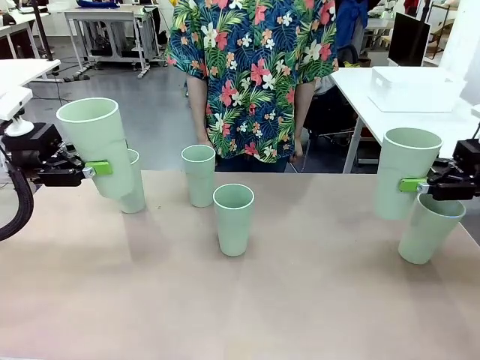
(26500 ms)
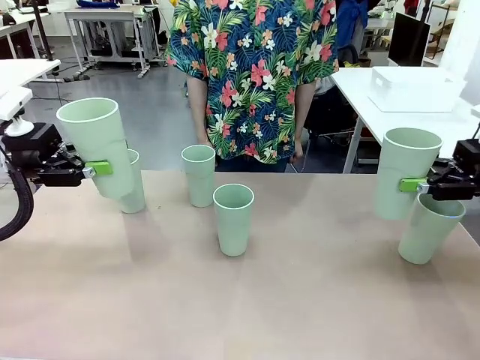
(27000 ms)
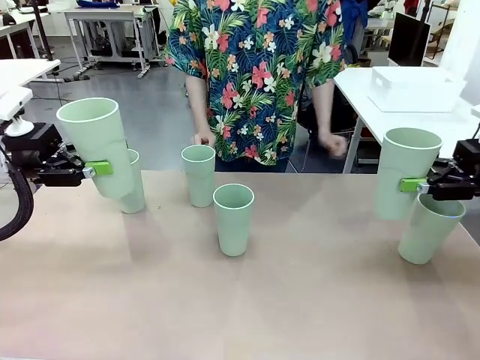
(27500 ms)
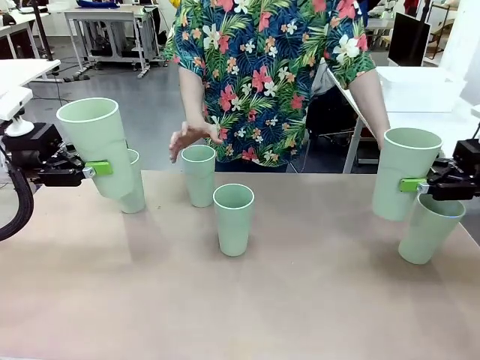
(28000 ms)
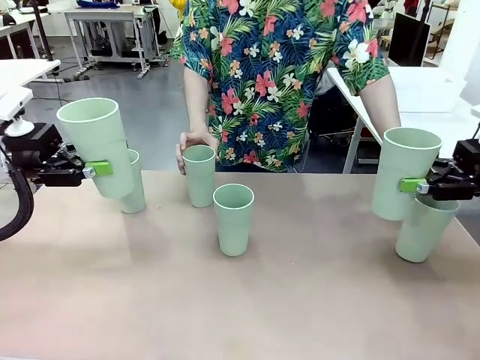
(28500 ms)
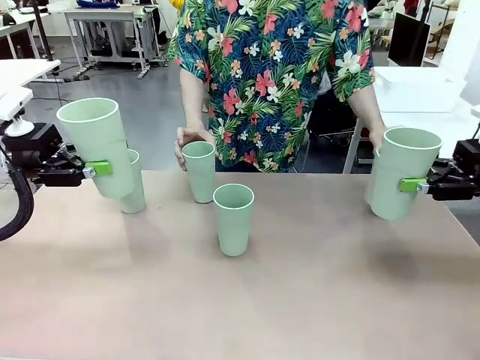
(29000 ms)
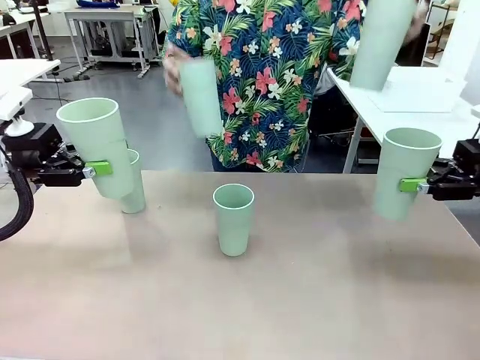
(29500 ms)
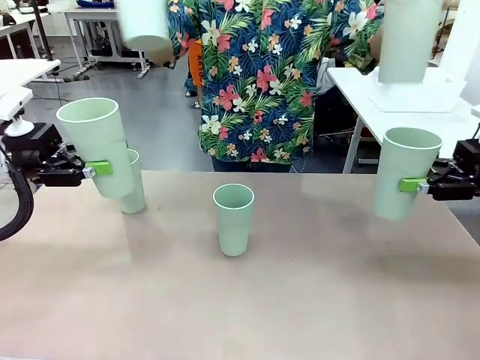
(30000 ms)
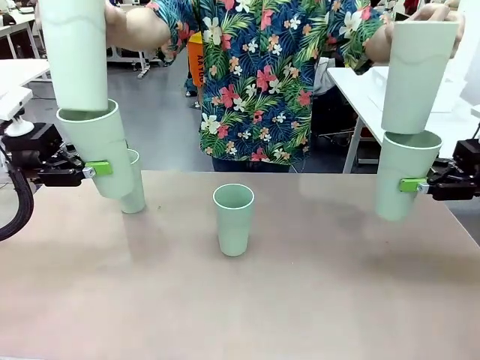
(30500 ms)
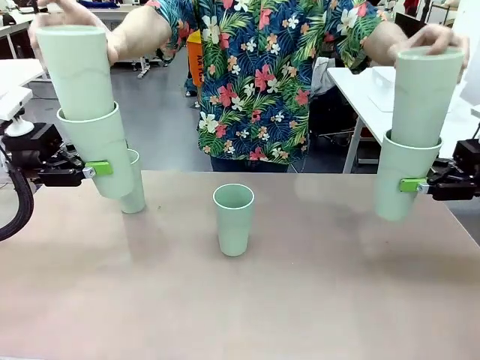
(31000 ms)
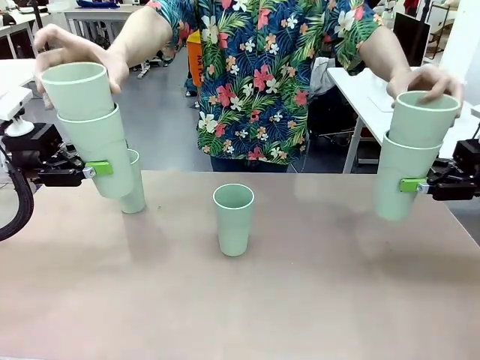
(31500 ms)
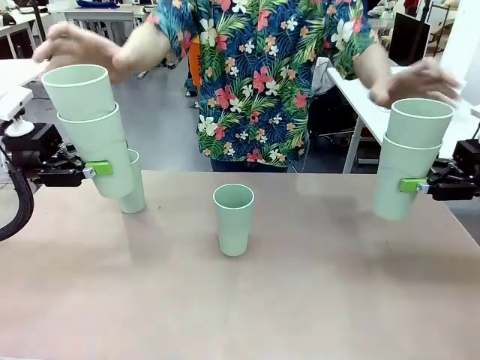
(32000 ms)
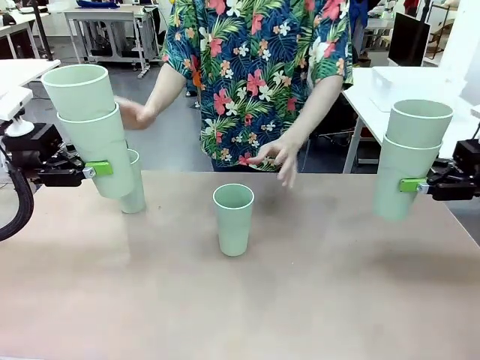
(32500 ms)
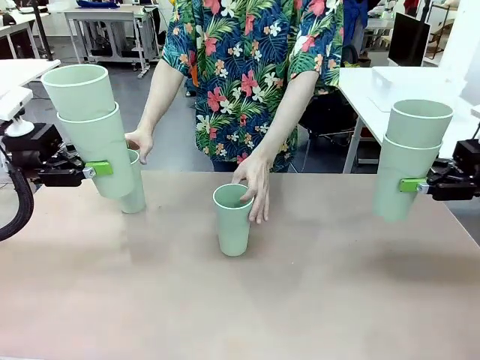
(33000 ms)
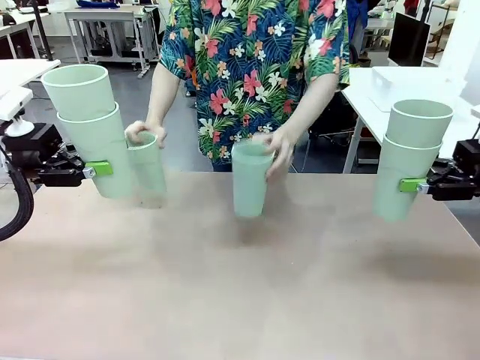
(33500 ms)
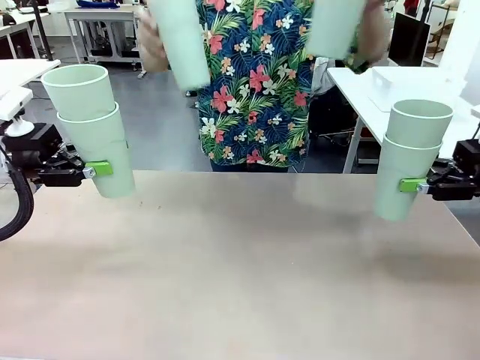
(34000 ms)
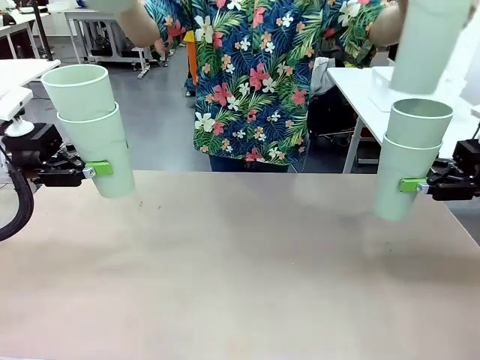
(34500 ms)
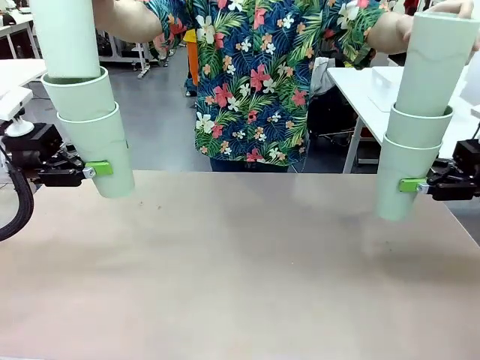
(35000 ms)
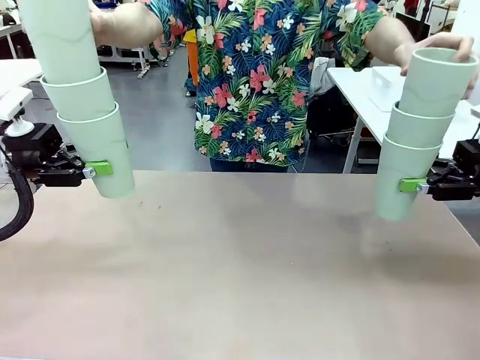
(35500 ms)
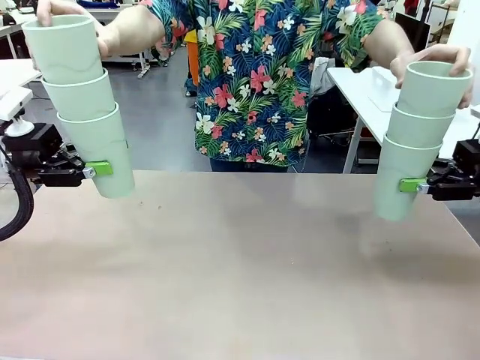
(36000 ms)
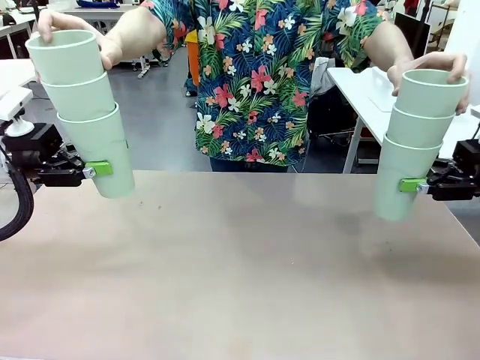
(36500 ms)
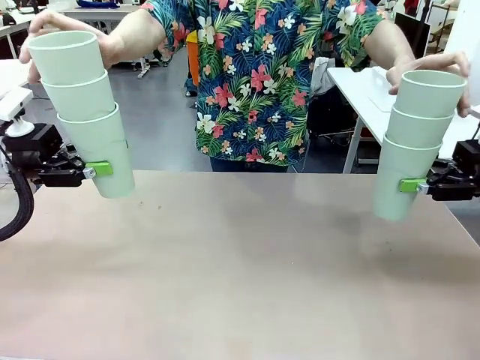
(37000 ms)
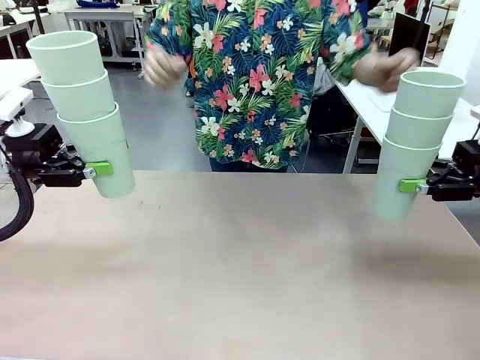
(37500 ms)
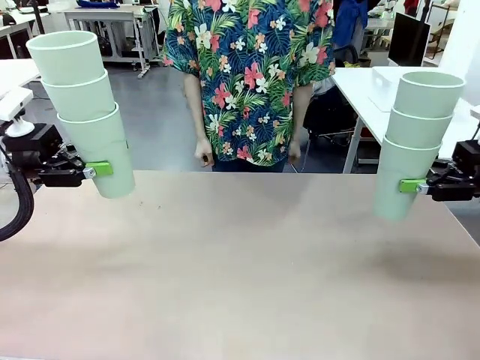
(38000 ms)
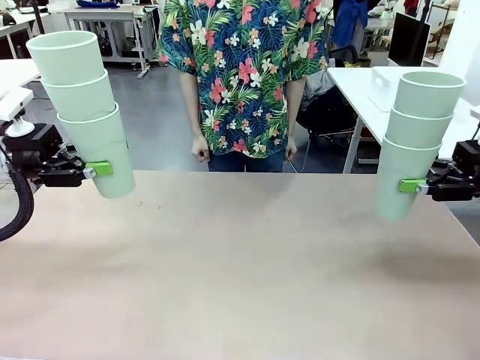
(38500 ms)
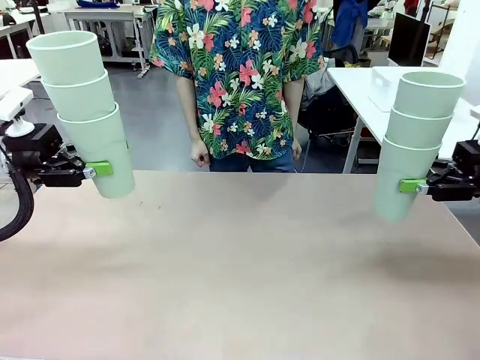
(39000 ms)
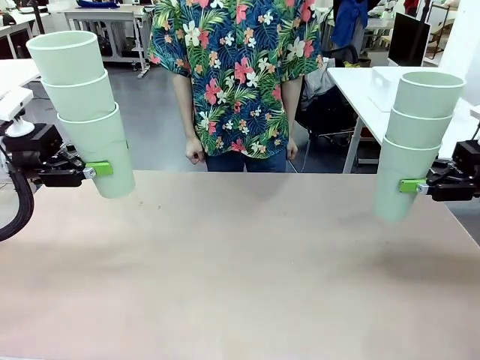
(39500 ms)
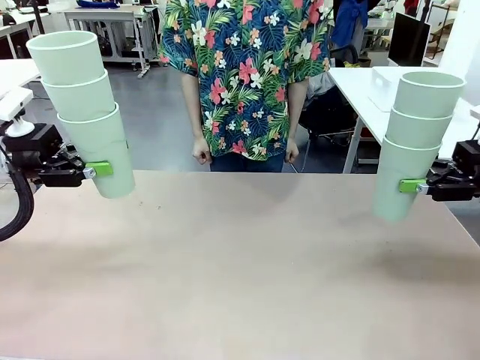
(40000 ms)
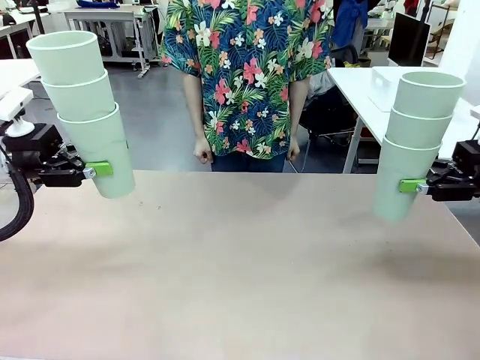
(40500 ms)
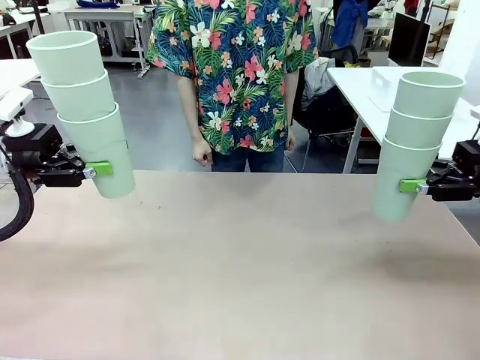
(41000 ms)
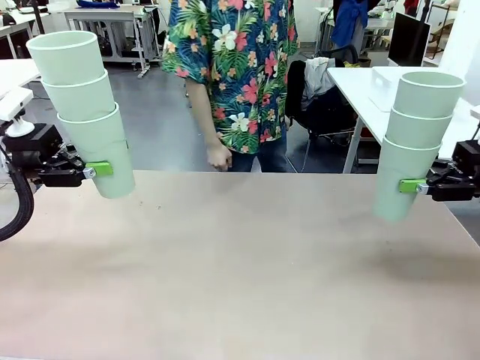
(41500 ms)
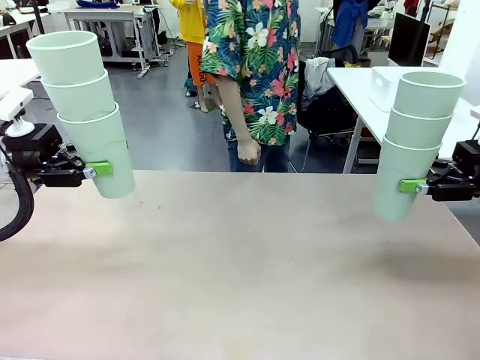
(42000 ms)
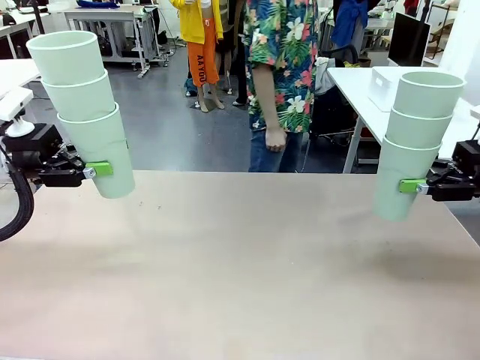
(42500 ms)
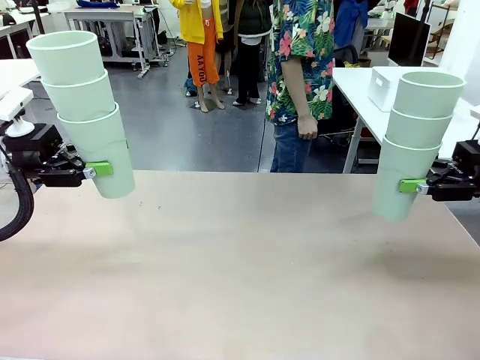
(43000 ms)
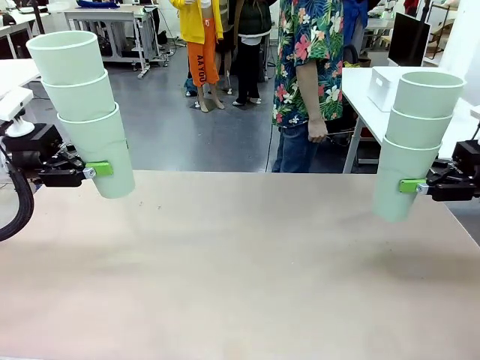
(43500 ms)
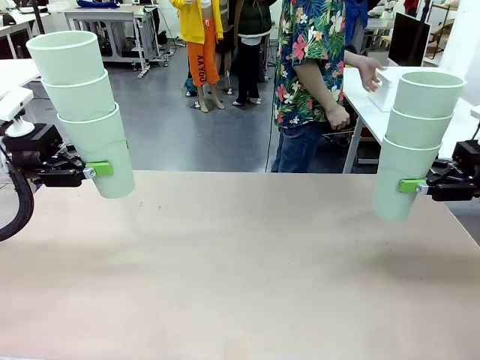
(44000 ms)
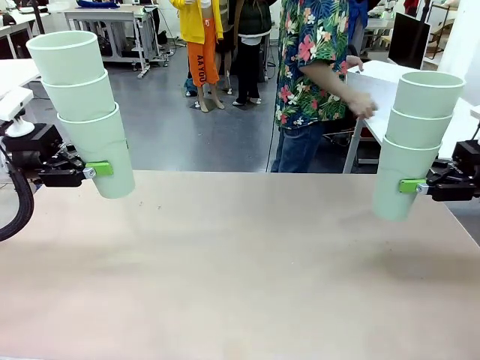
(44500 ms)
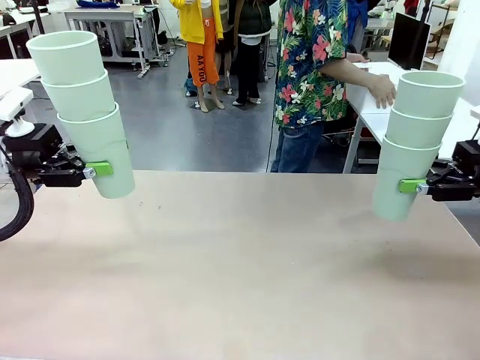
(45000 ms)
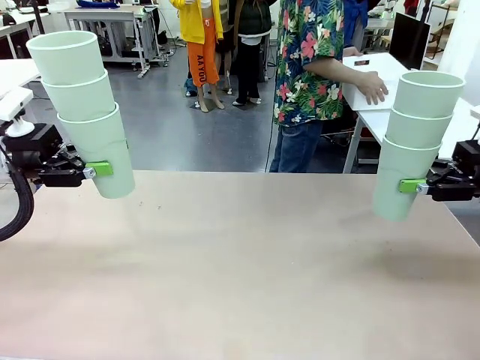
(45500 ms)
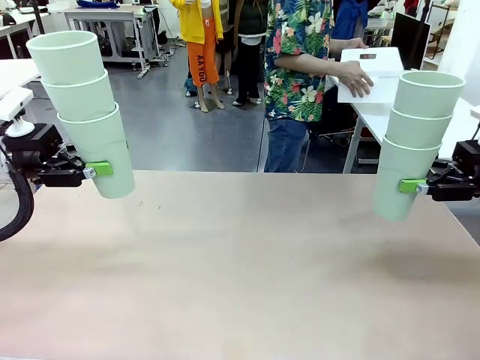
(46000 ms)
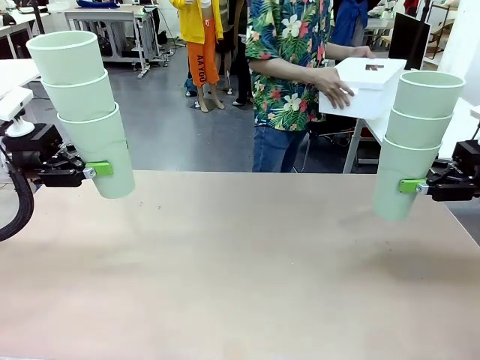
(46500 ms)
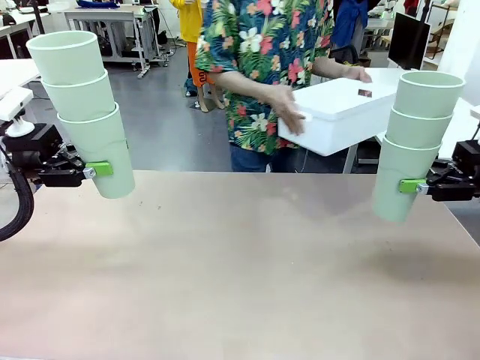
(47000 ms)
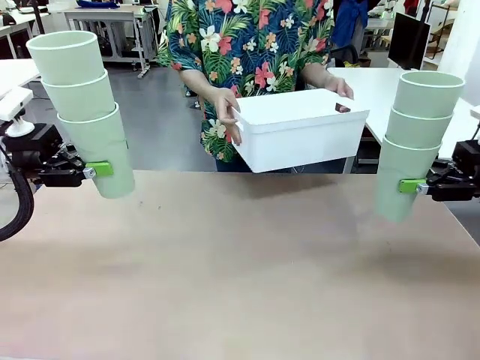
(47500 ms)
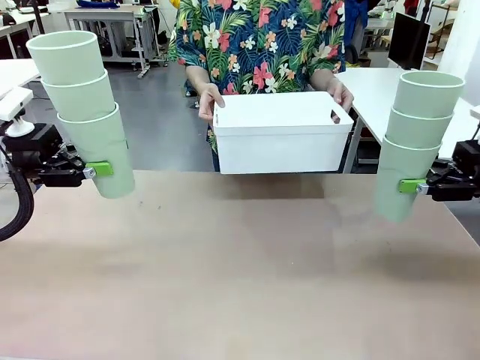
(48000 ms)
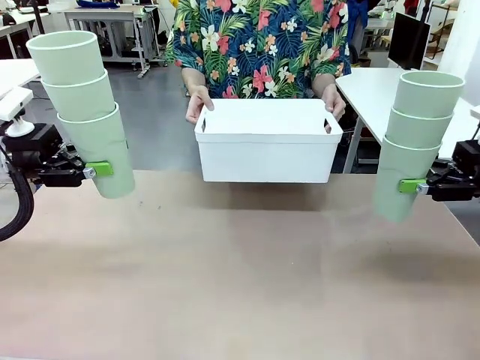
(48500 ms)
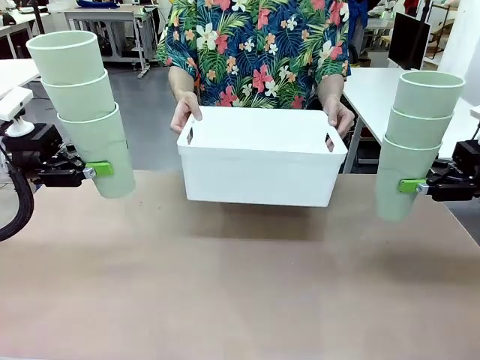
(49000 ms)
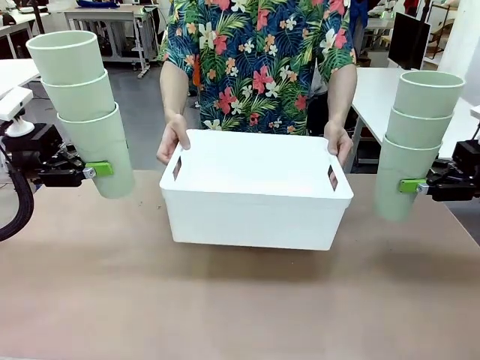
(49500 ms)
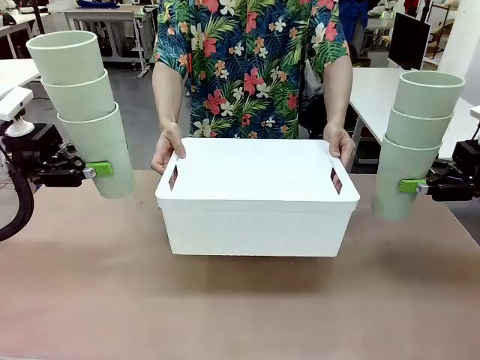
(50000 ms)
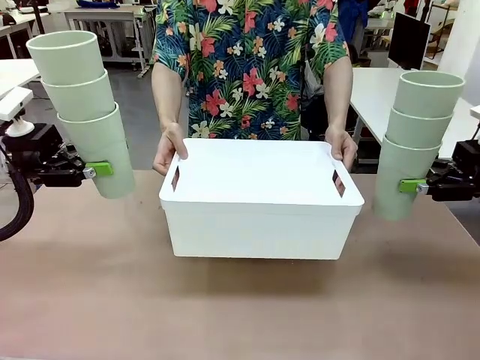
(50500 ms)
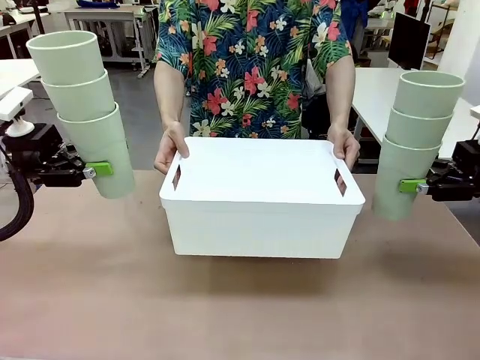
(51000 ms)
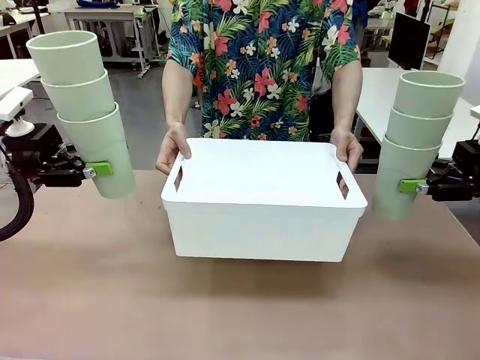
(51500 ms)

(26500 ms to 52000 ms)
Task: Stack the cups and store them in the basket.
Robot: Place the stack of Reusable plastic cups into the Pantry Basket.
Person: Pick up the basket from the Human Table, bring it to the front of the robot, and present it.

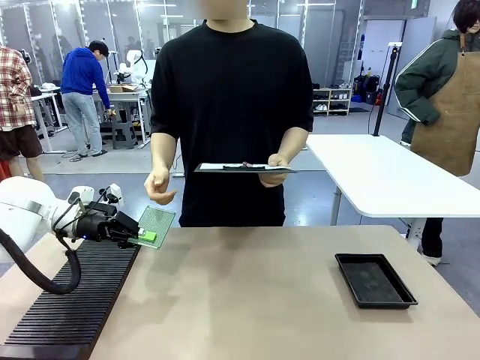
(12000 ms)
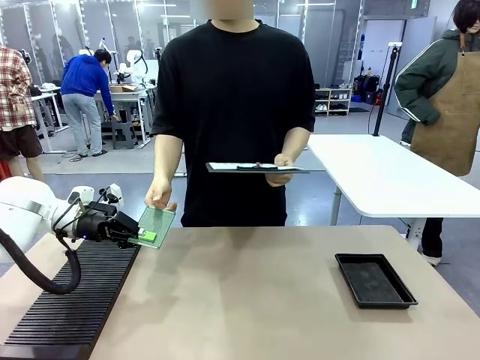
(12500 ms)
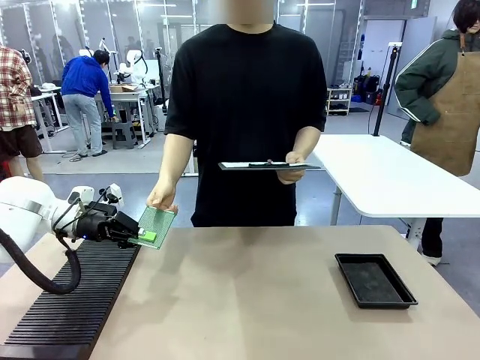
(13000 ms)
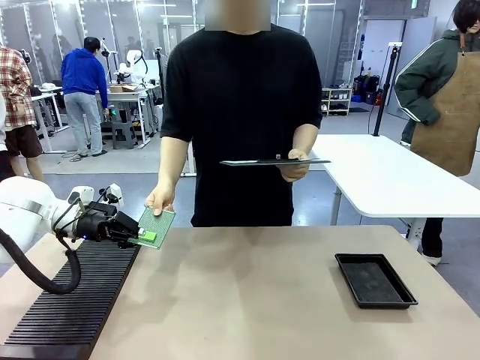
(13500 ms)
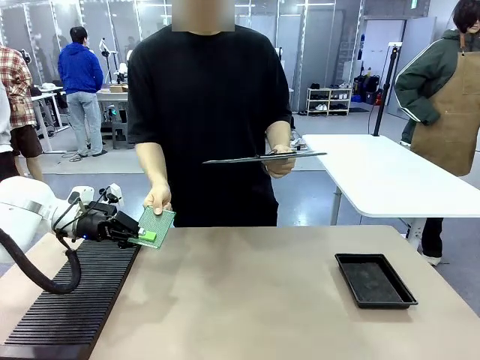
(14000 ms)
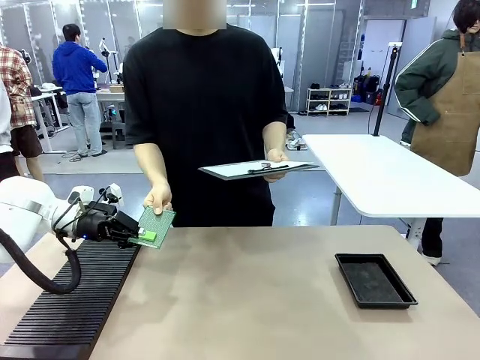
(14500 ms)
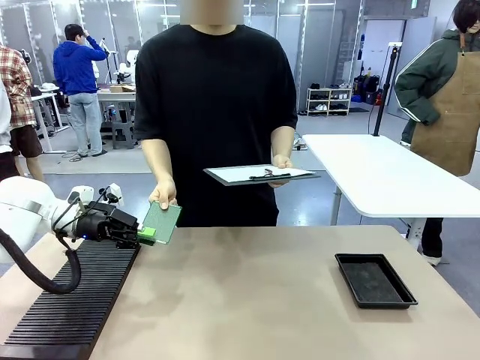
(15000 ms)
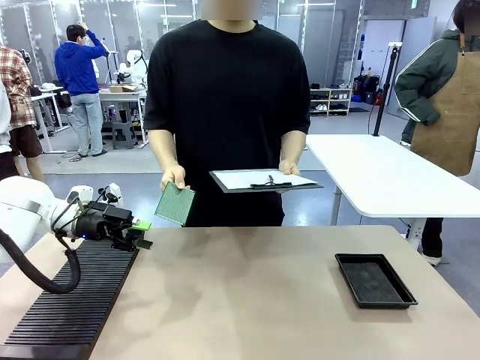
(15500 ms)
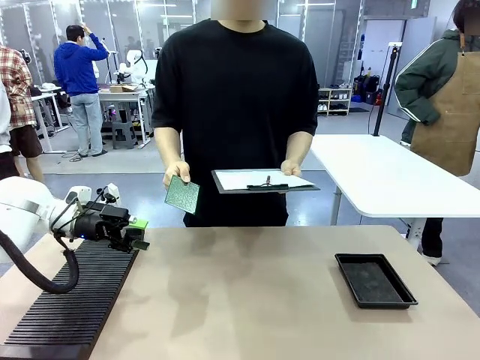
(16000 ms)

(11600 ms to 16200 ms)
Task: Inspect the PCB.
Robot: Release the Blank PCB you were holding.
